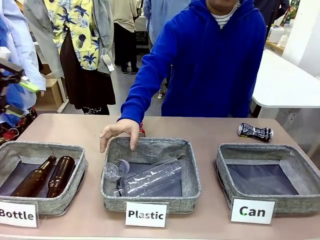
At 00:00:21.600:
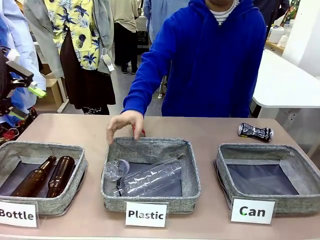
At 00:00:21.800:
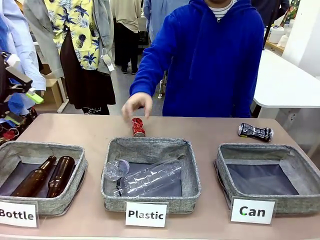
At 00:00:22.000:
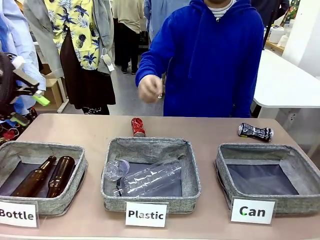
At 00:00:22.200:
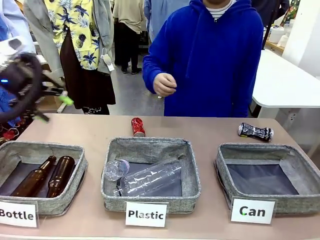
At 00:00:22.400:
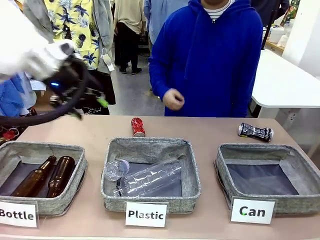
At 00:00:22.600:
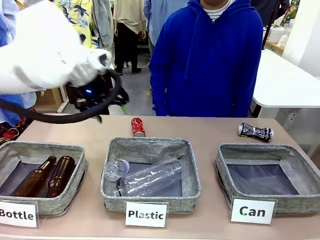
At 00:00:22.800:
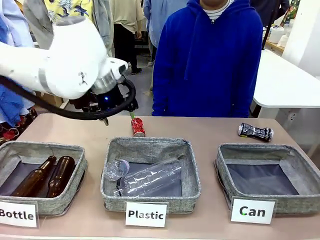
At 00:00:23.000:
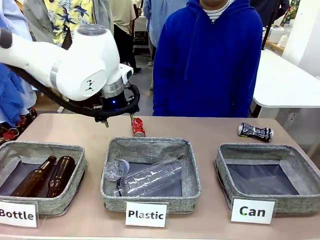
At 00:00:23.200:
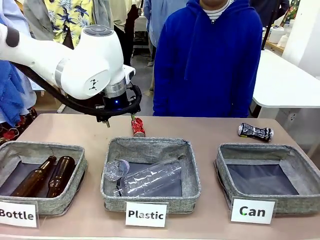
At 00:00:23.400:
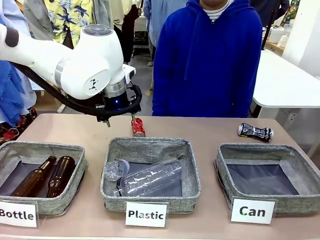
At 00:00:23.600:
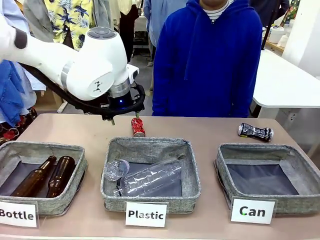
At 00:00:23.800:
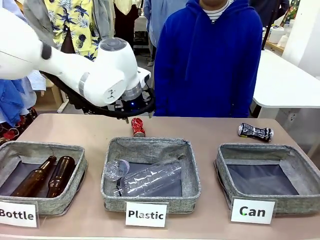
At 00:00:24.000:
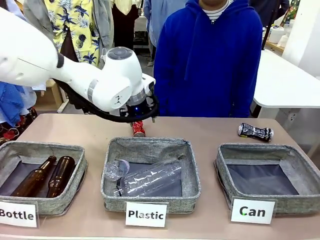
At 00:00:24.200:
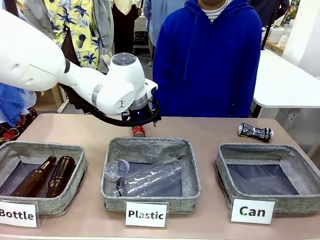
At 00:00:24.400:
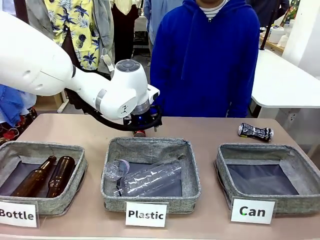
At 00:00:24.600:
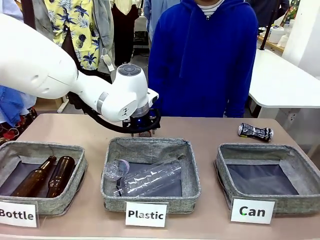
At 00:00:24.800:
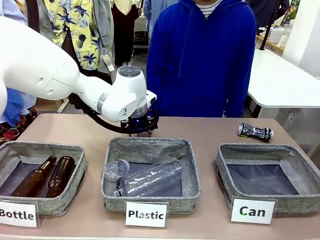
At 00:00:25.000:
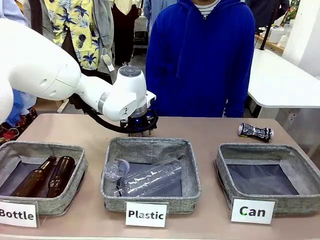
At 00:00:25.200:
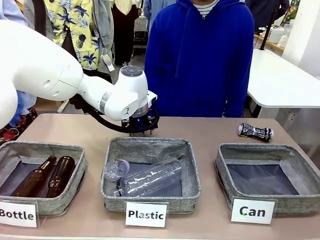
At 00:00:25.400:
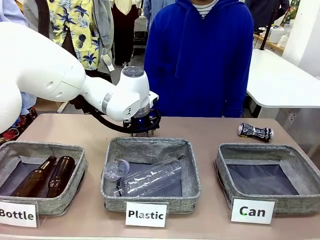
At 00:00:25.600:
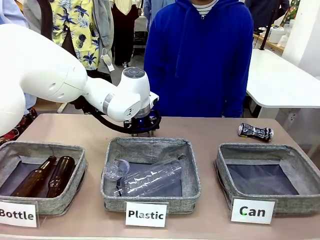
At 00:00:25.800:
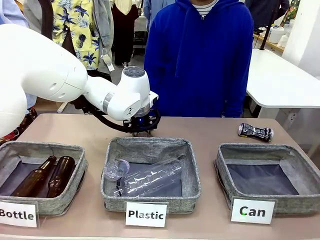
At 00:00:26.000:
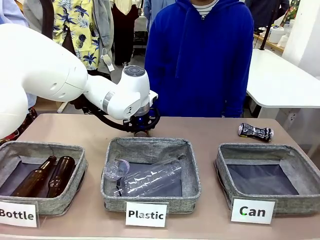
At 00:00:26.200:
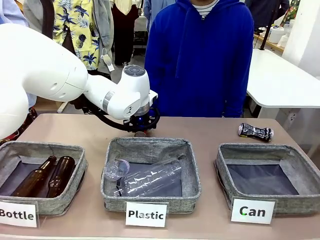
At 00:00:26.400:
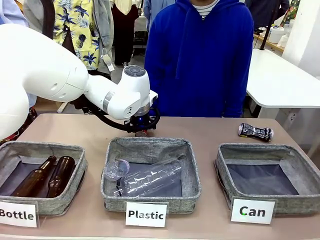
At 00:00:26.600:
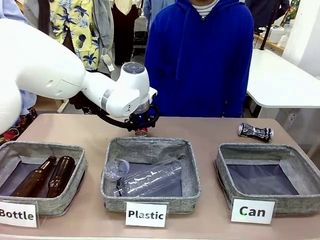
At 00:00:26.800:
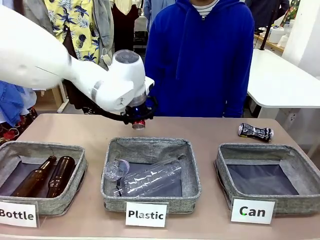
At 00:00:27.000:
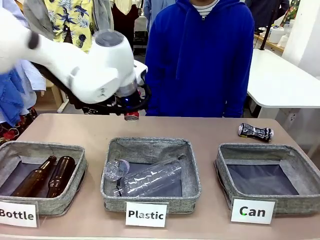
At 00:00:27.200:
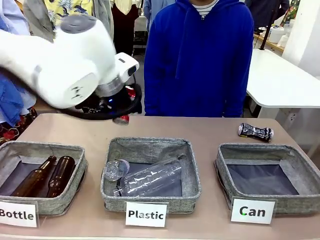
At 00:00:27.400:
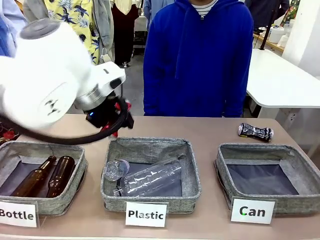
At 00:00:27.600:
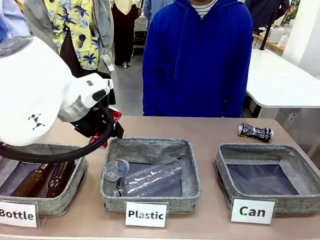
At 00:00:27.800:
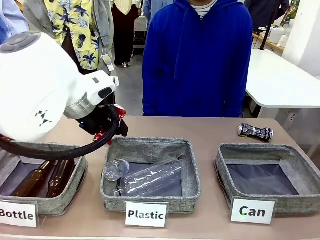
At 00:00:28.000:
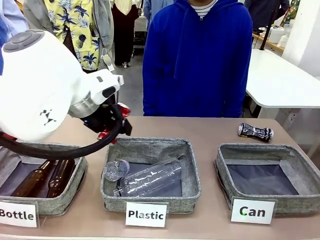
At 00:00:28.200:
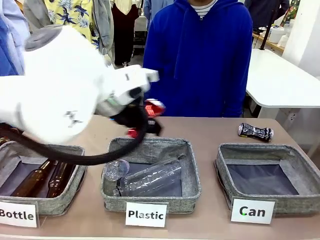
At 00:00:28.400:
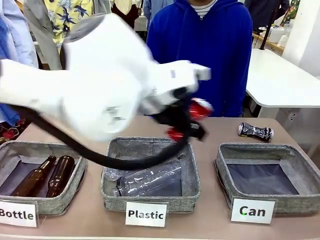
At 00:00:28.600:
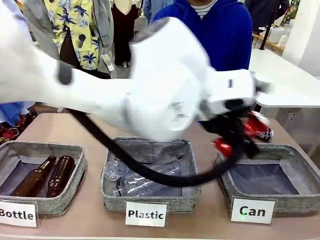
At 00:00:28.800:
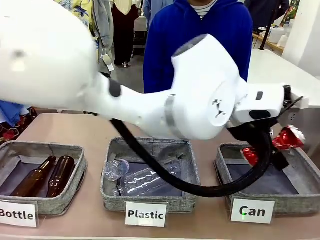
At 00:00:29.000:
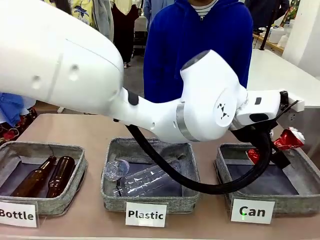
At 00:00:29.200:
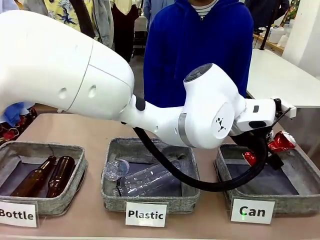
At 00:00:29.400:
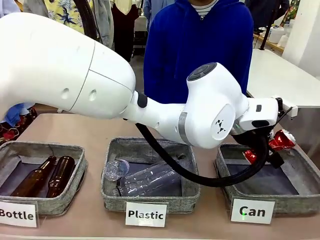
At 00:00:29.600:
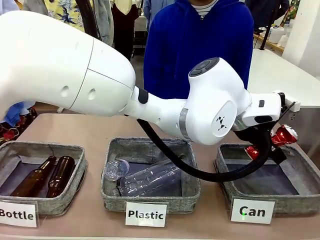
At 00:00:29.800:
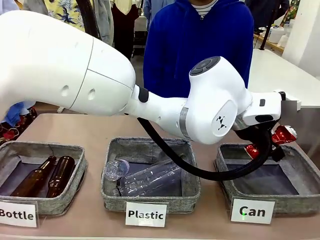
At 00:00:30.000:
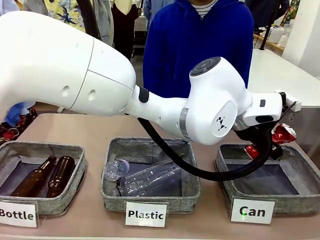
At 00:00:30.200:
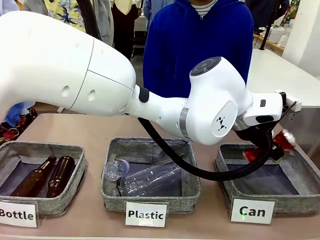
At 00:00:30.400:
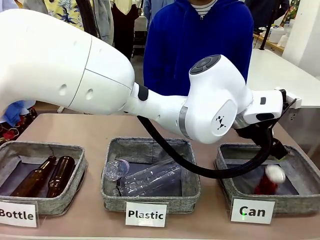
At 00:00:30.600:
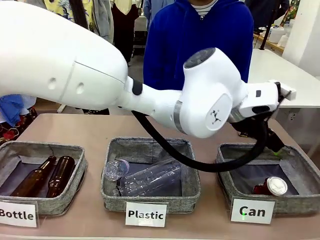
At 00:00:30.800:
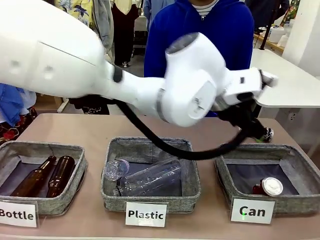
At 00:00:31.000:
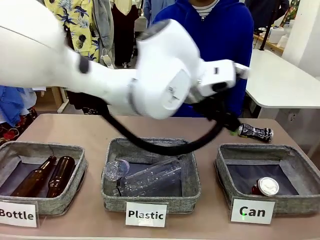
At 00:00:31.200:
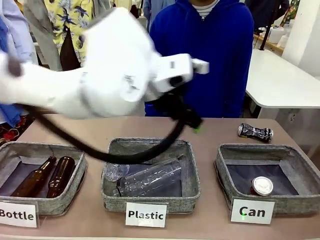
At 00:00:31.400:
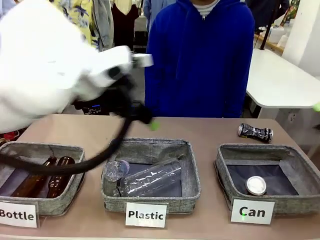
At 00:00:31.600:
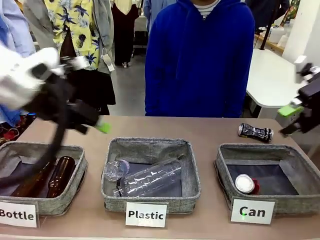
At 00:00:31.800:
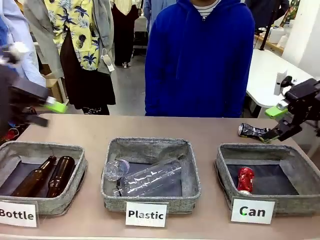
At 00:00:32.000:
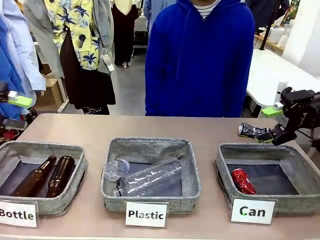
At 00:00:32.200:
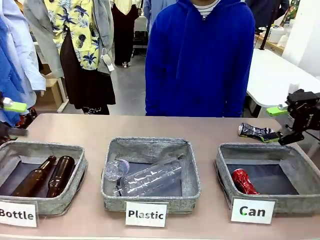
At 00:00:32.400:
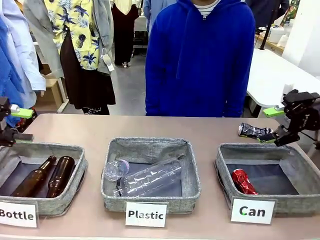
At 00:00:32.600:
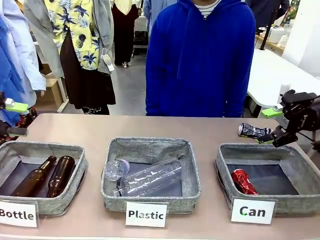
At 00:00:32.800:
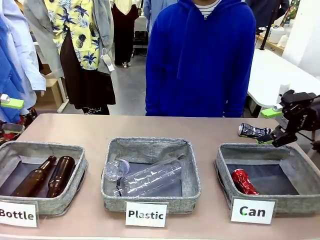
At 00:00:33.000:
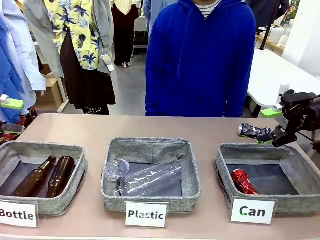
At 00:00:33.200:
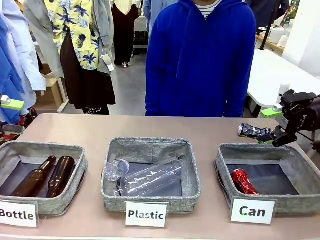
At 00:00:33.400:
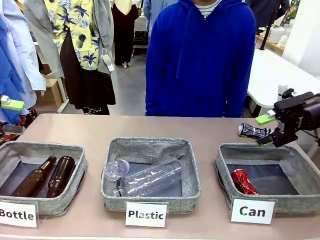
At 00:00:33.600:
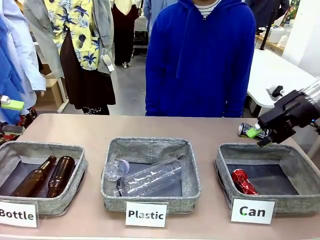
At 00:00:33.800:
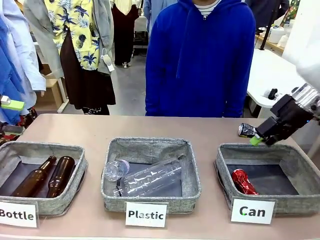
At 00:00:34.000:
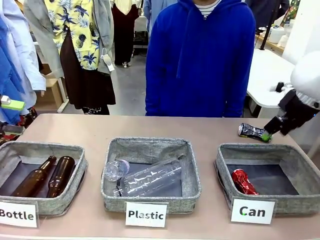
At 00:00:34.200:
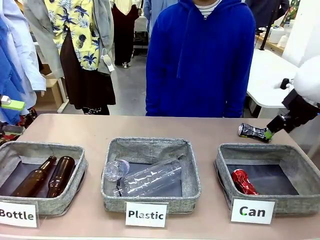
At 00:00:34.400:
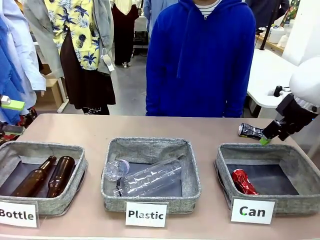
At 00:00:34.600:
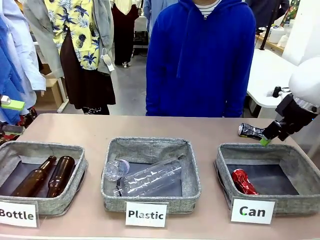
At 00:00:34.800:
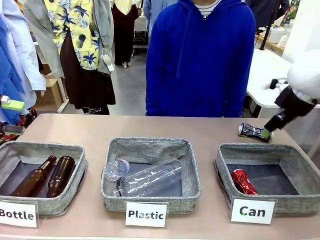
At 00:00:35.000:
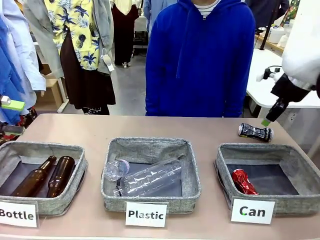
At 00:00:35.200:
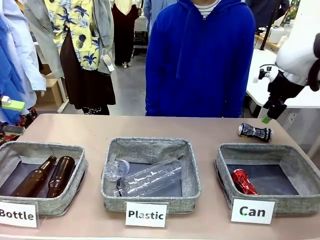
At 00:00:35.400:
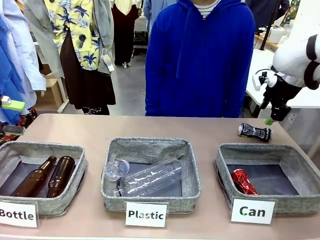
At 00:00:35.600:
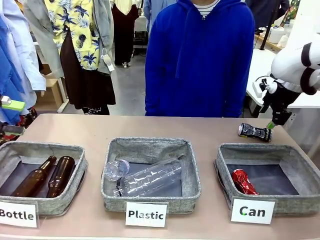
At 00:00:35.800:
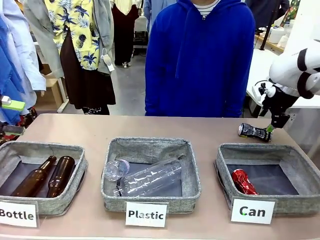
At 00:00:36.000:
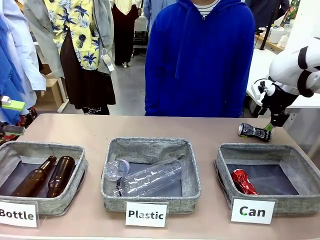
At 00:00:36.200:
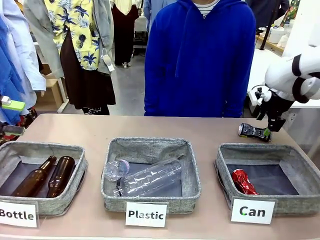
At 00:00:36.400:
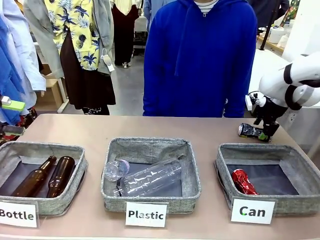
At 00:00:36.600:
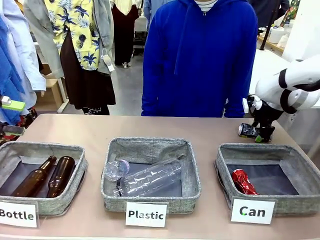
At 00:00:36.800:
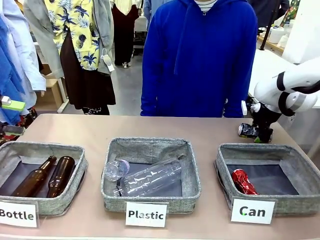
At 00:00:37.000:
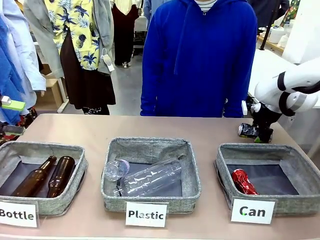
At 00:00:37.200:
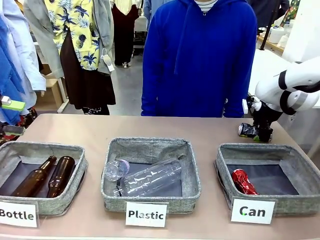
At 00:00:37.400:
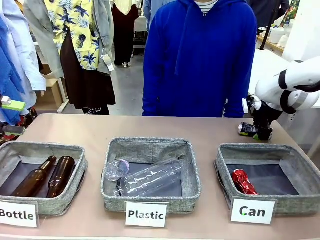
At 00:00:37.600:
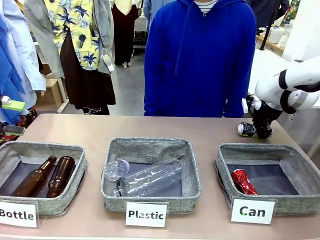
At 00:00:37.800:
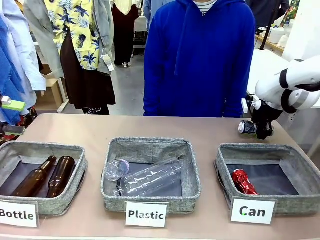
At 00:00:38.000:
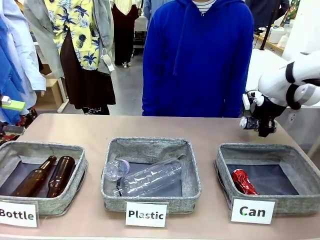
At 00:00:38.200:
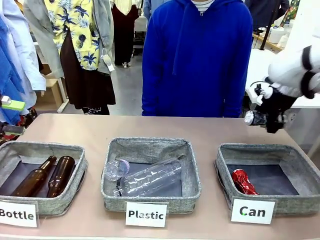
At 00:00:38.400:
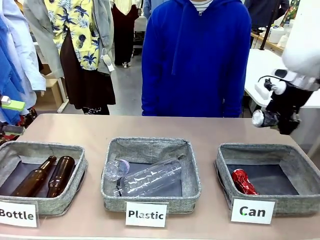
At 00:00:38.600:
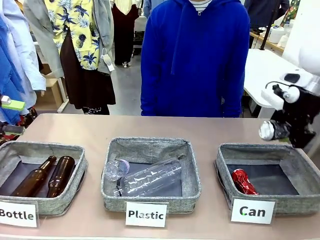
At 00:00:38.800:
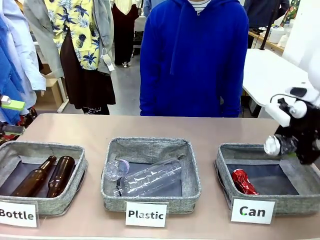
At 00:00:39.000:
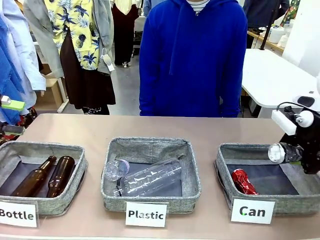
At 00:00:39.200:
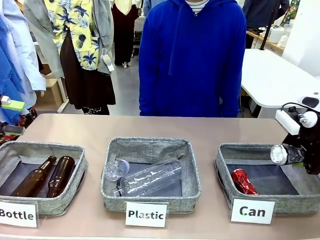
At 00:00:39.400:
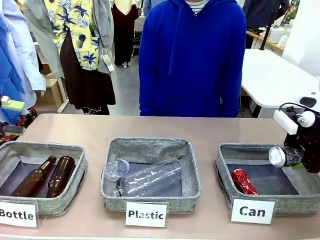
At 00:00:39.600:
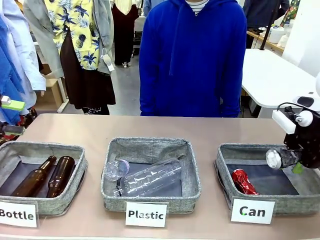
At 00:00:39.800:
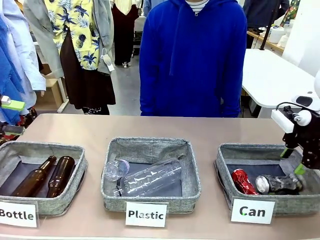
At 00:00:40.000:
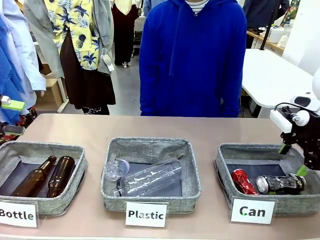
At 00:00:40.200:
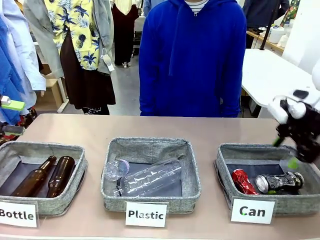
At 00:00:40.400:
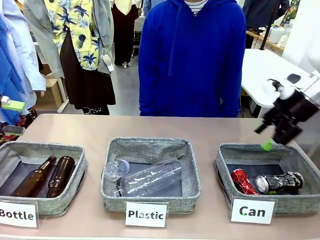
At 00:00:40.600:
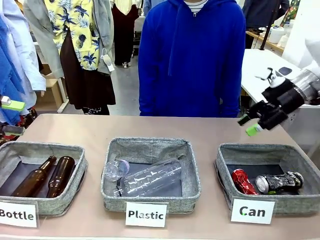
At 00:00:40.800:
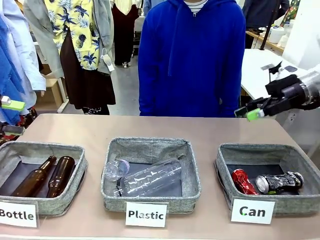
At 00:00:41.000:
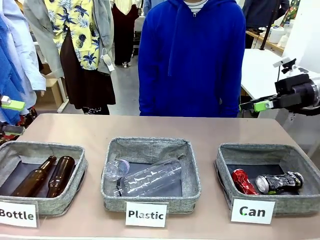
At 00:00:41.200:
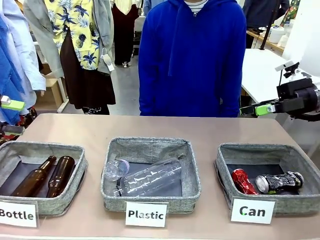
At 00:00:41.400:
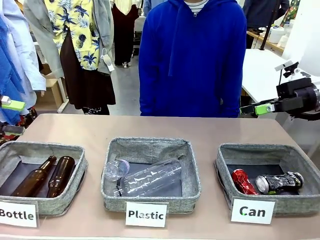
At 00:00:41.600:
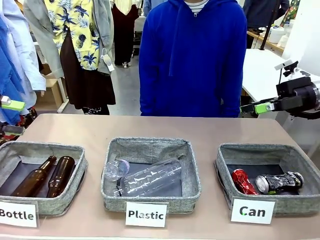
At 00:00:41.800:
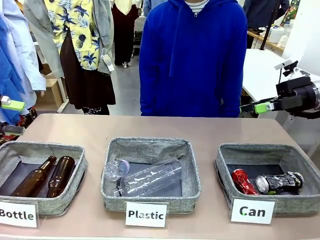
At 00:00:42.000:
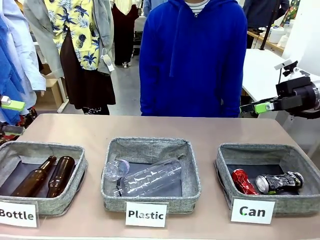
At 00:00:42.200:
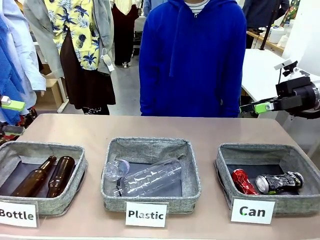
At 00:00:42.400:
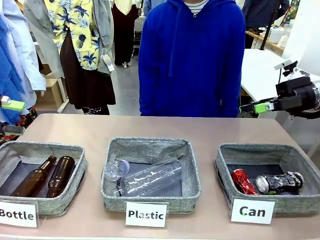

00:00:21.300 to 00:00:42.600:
Task: Sort the can waste into the basket.
Robot: Pick up the can waste from the table and place it in the right Fabric basket.
